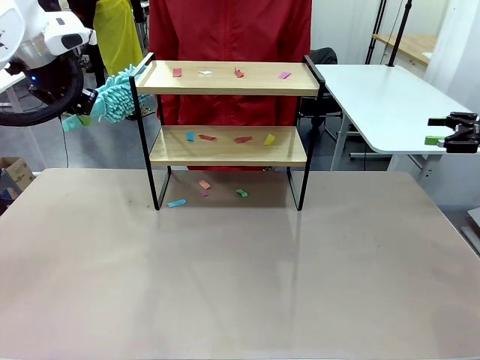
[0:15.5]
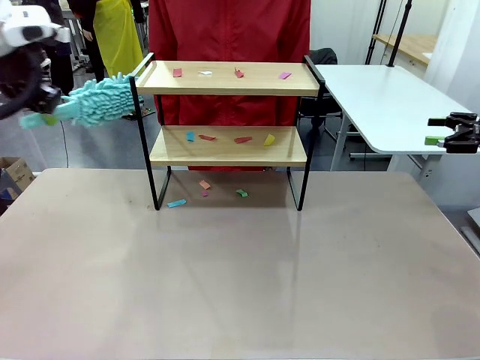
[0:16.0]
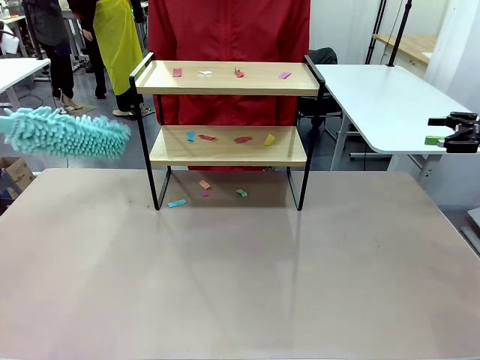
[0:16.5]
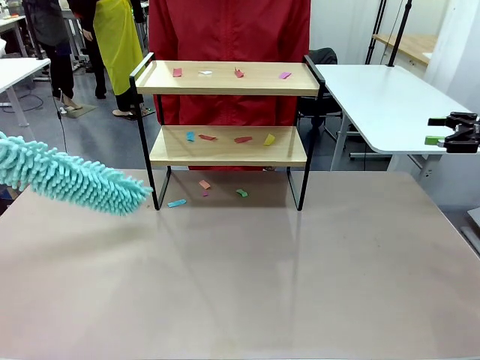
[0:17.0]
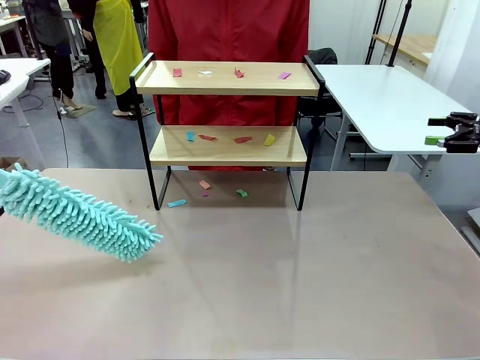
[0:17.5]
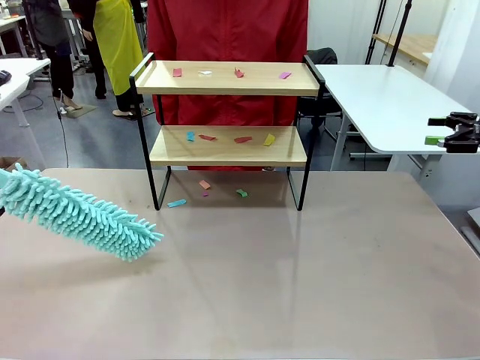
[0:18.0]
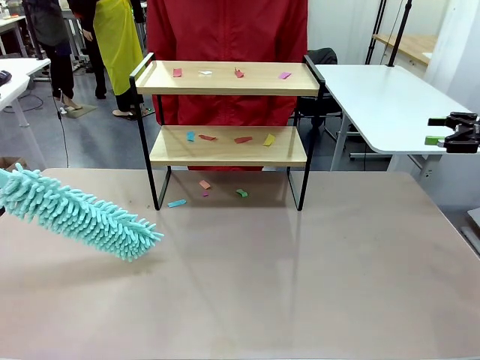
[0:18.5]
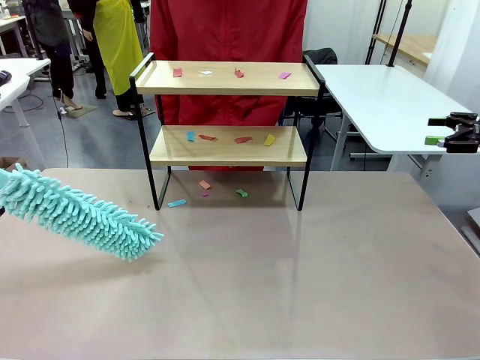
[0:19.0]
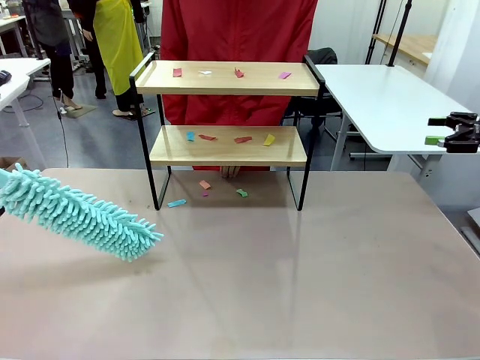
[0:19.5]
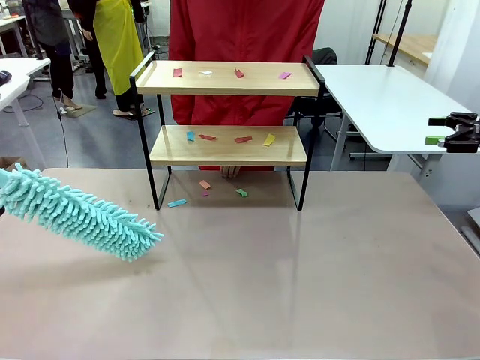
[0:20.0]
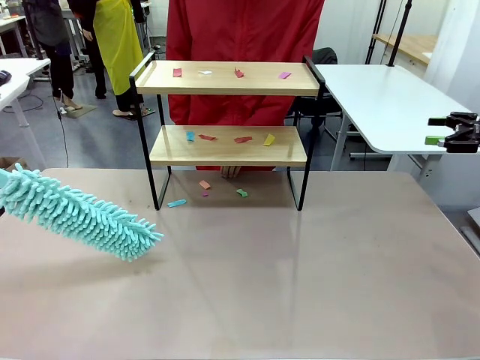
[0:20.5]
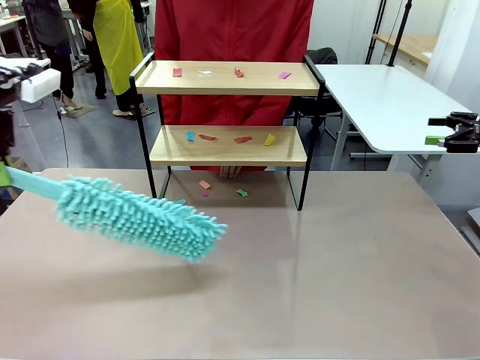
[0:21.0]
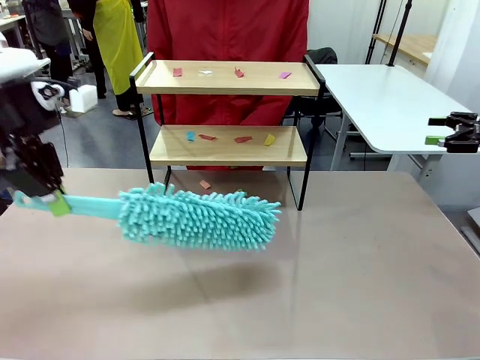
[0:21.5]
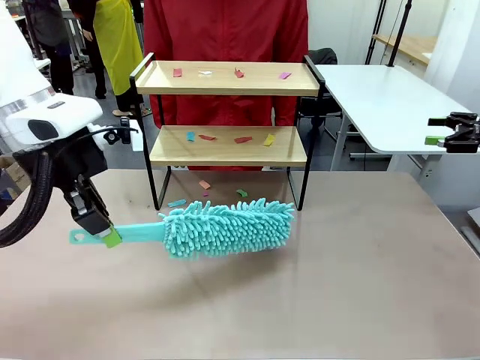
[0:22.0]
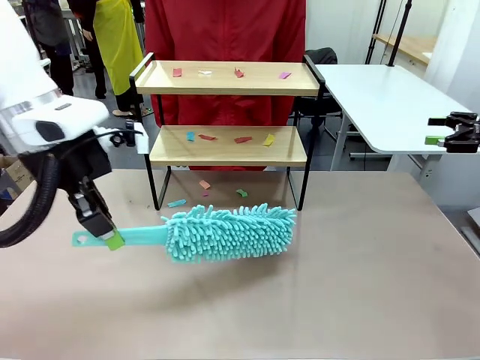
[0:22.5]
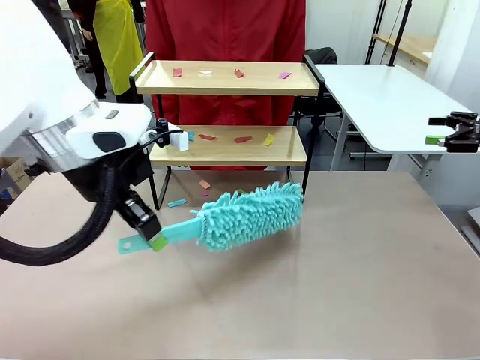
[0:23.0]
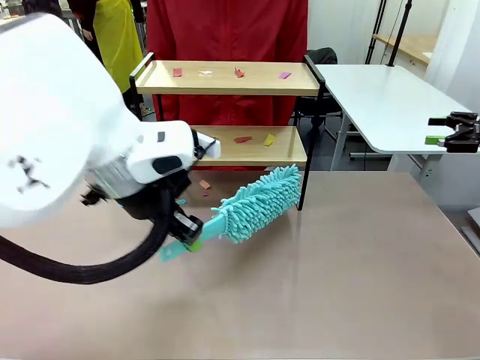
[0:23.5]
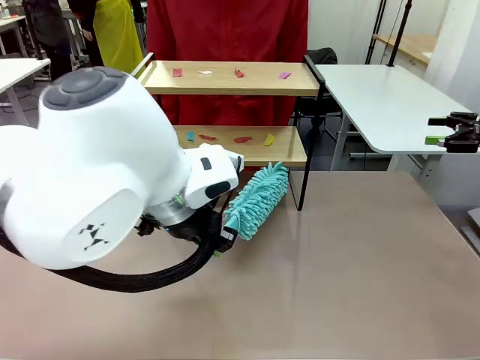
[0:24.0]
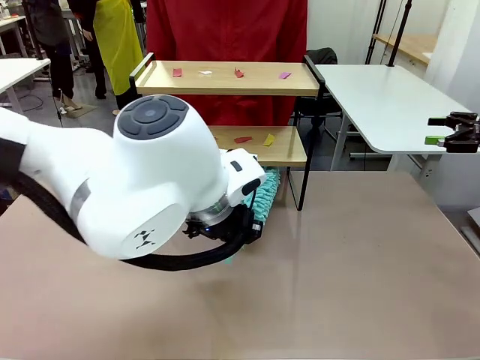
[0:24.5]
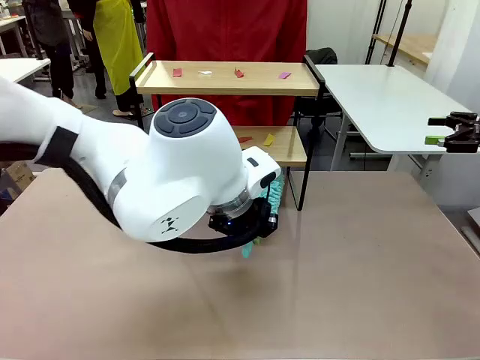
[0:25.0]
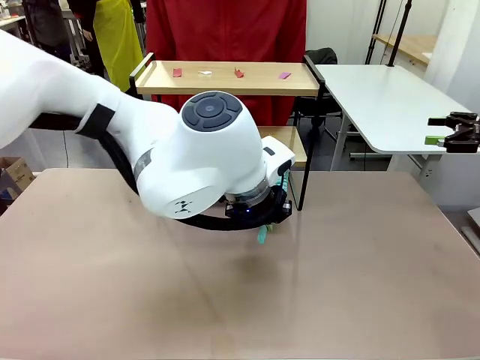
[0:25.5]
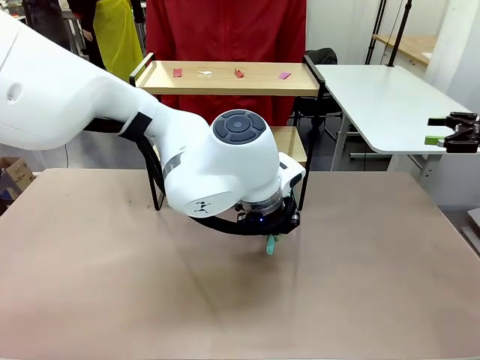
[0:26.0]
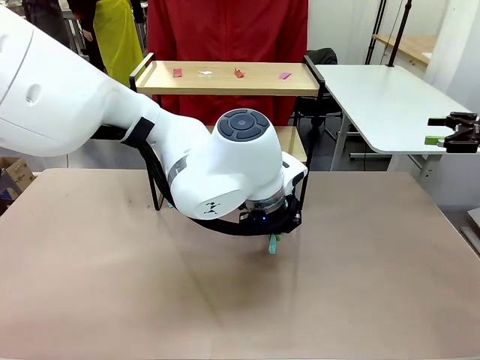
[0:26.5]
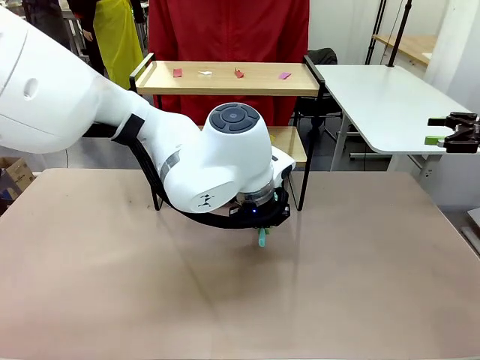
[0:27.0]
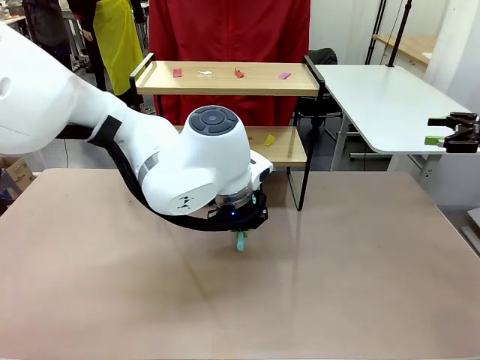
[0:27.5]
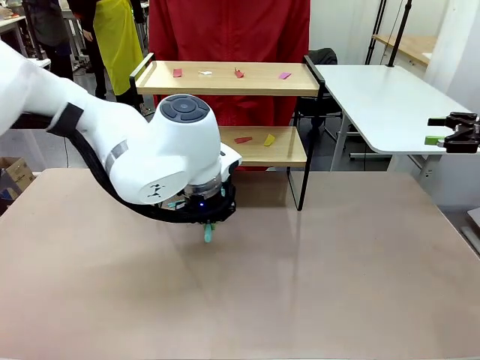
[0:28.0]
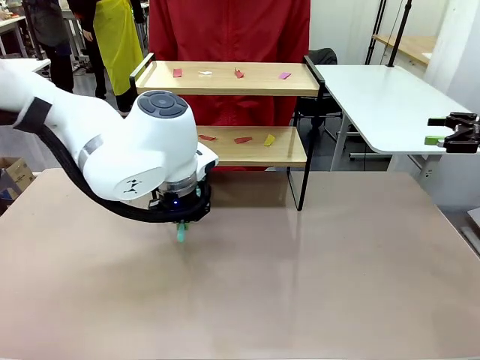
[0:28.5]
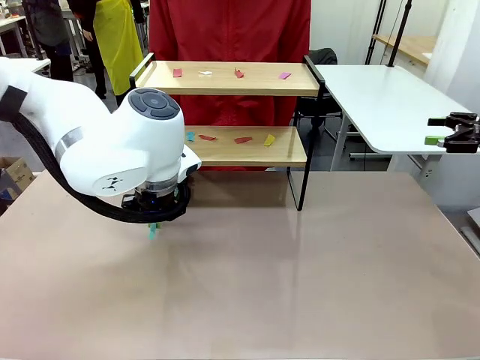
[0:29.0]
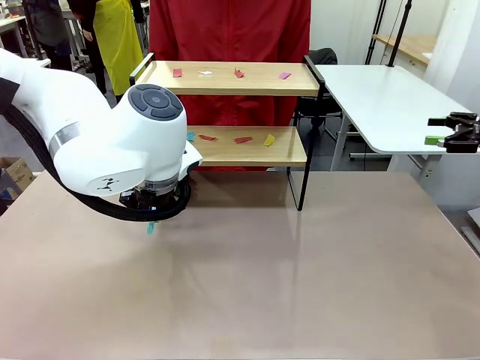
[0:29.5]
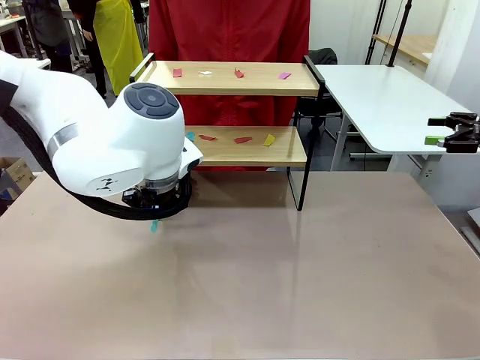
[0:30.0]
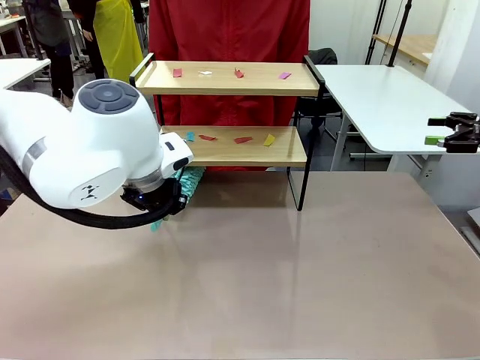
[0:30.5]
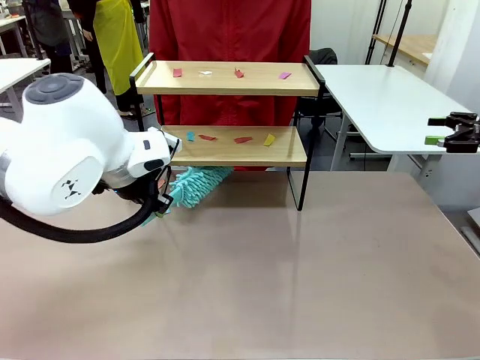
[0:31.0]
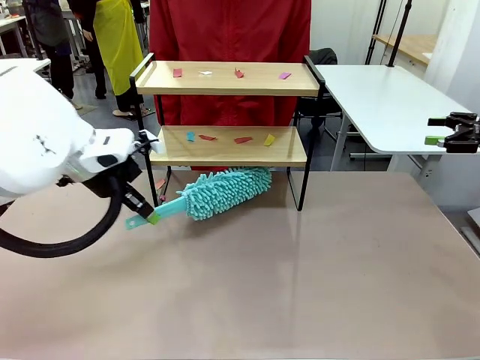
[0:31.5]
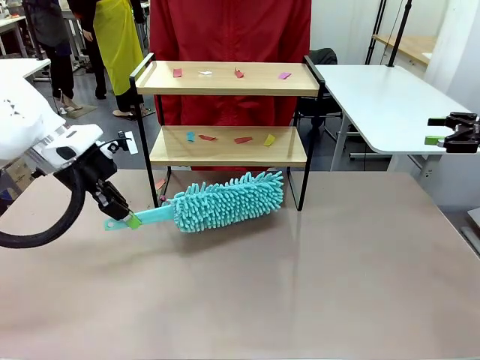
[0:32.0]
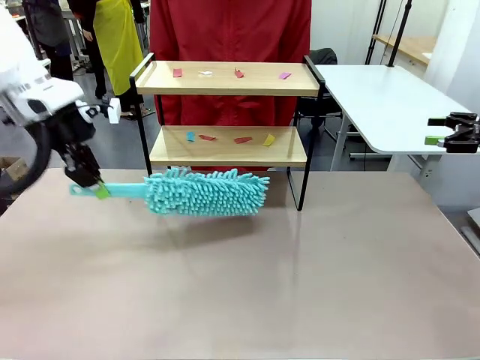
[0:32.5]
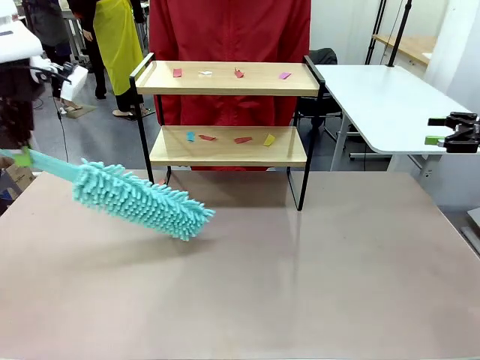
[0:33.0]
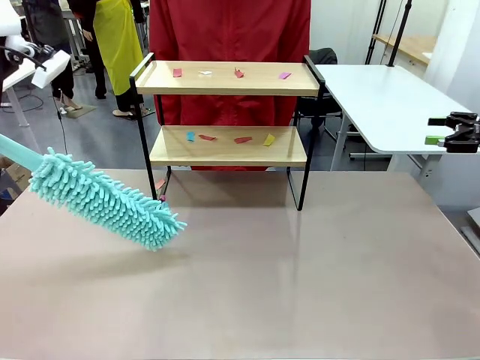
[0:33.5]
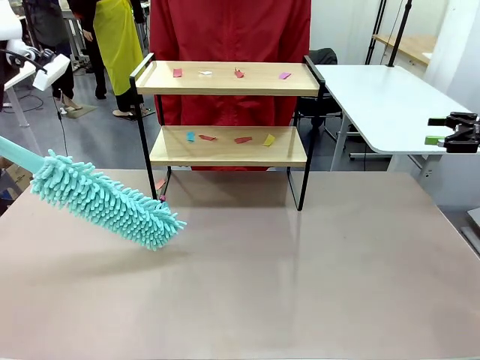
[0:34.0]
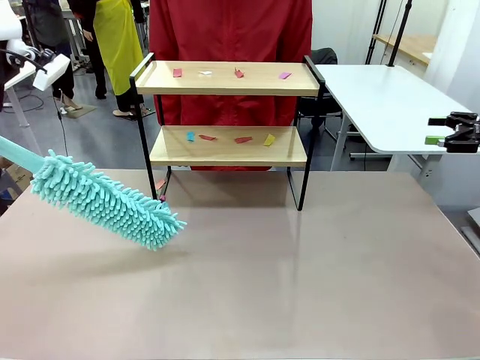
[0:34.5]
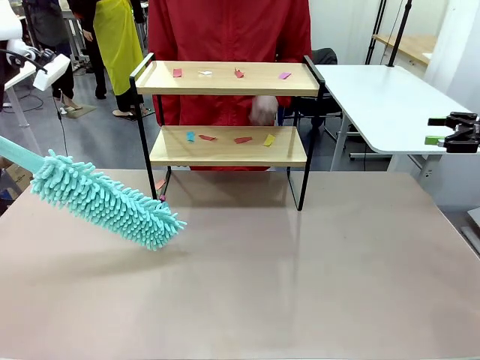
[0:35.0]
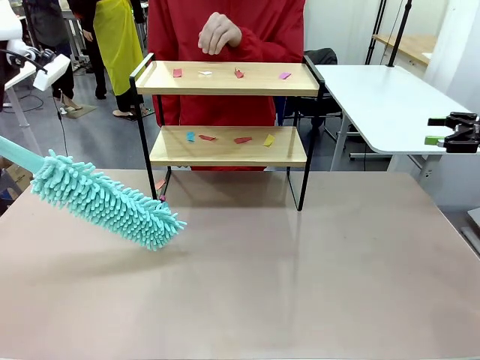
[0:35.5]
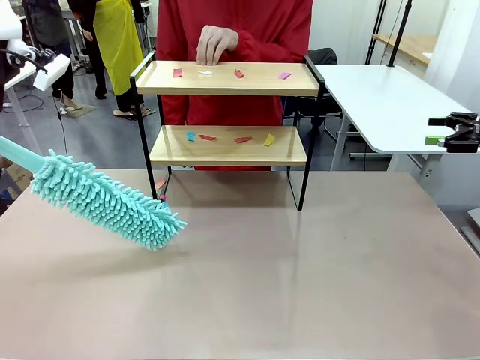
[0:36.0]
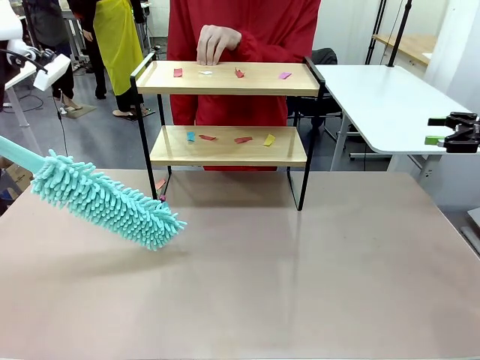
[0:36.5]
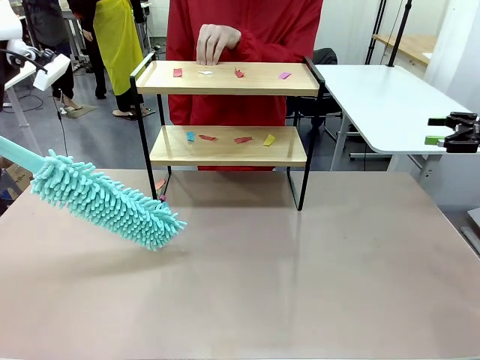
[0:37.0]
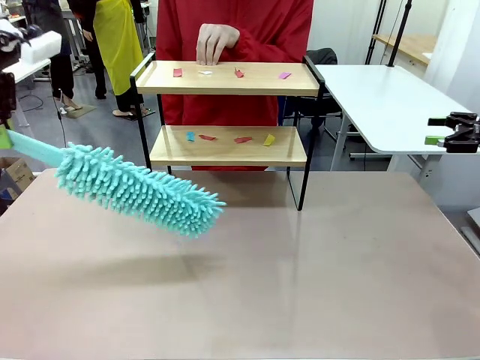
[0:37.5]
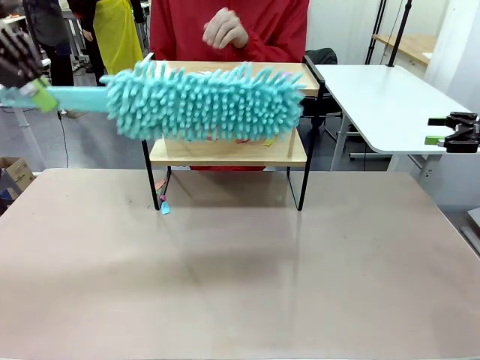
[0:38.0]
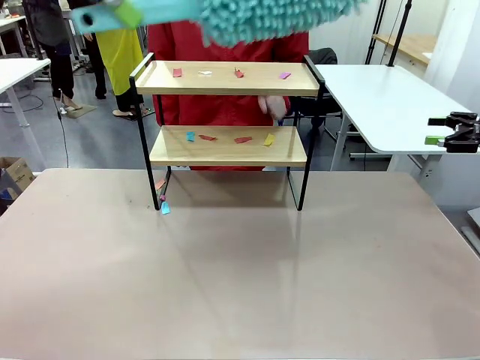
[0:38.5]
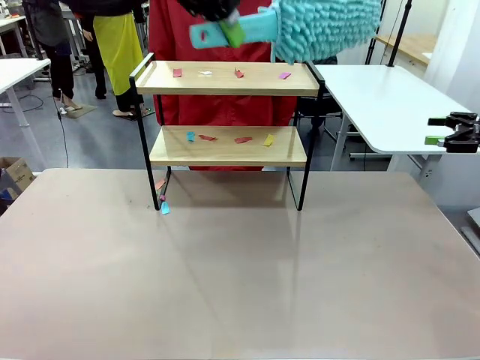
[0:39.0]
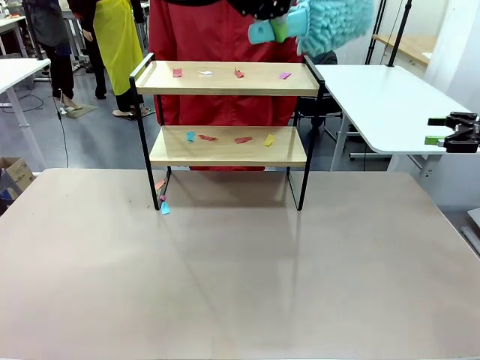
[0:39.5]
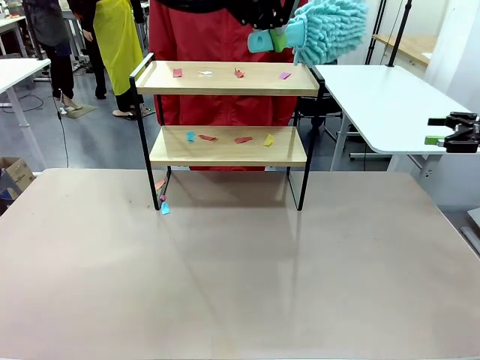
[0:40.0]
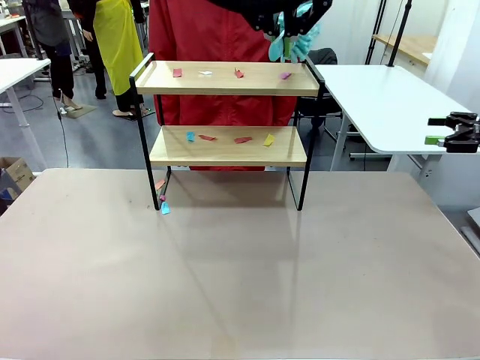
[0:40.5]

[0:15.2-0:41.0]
Task: Clean the shelf.
Robot: Clean the specific section of the Shelf indicated by the human with the Duster.
Person: Point a random section of the Shelf.
